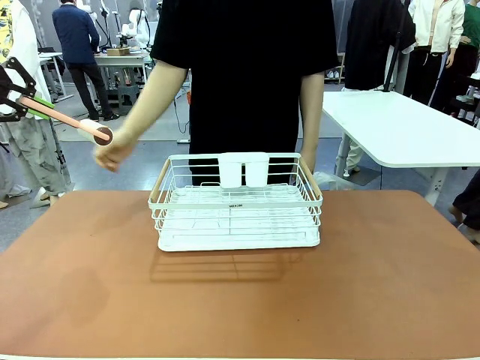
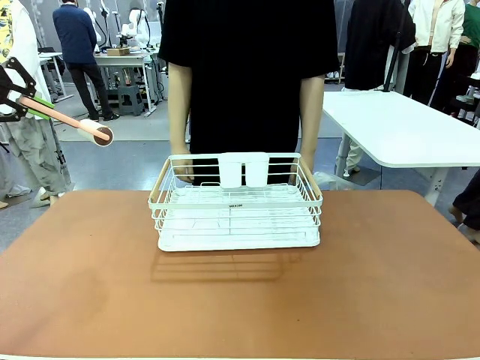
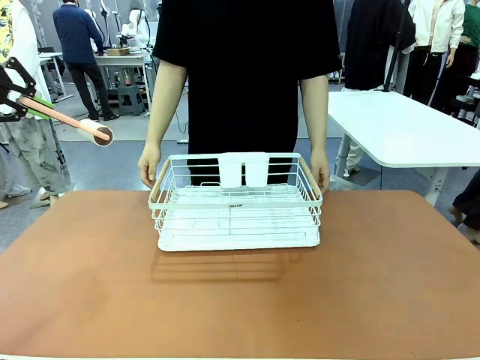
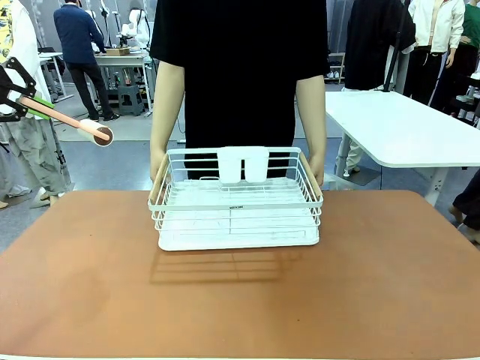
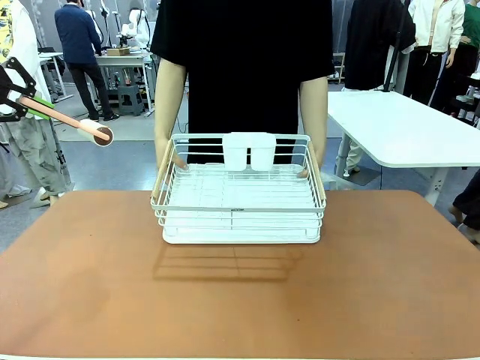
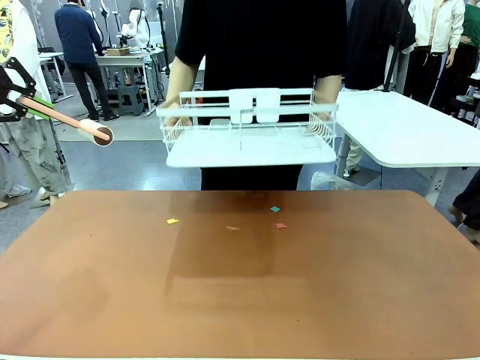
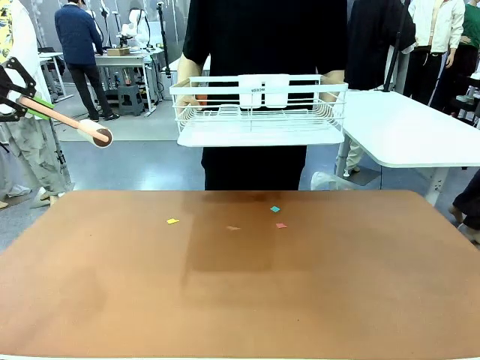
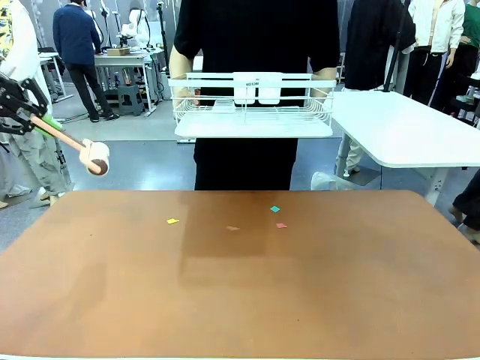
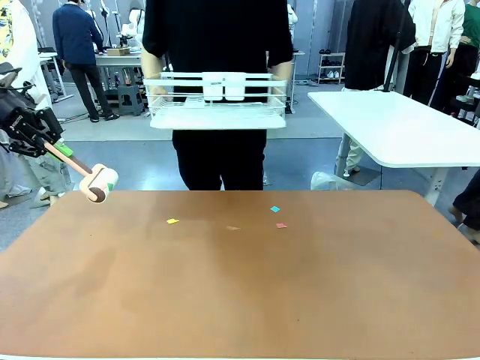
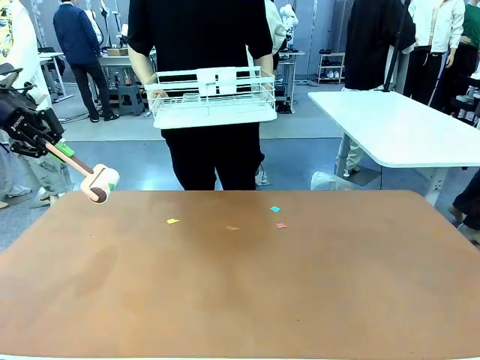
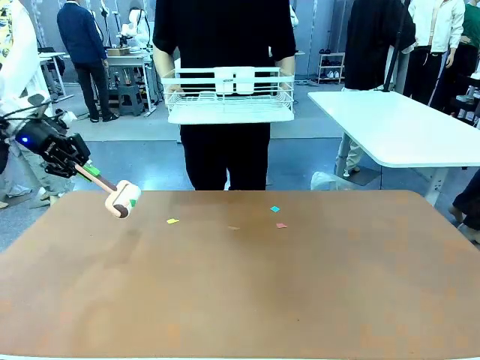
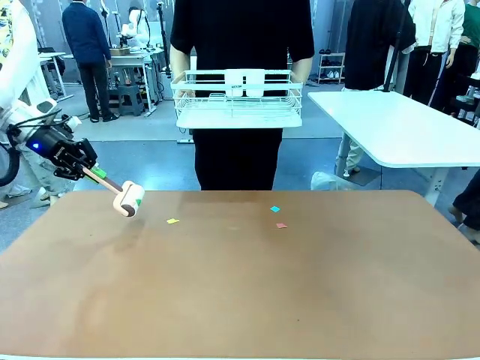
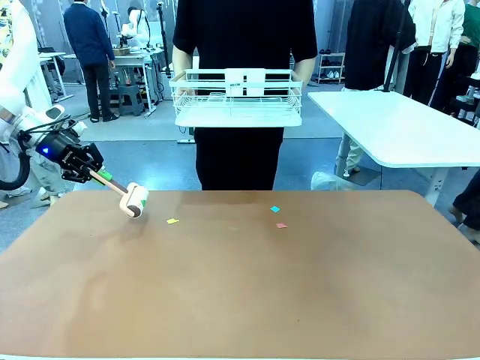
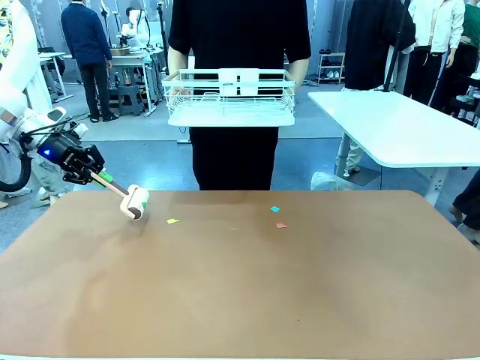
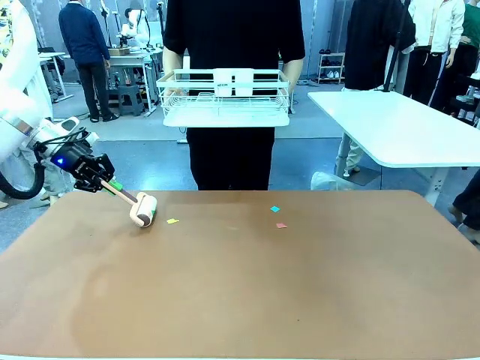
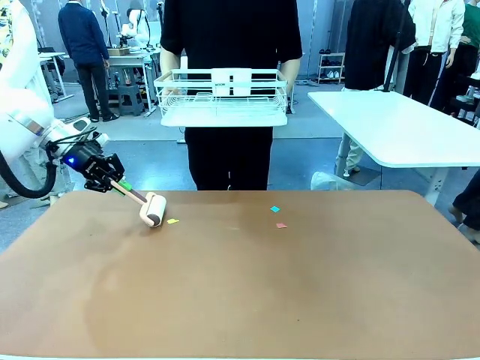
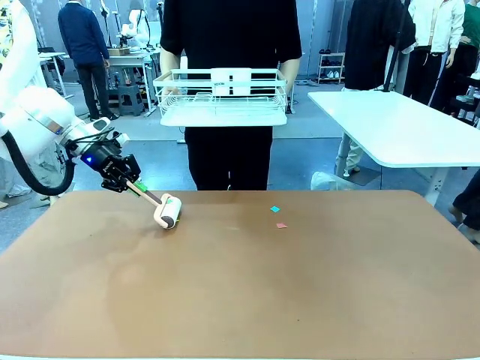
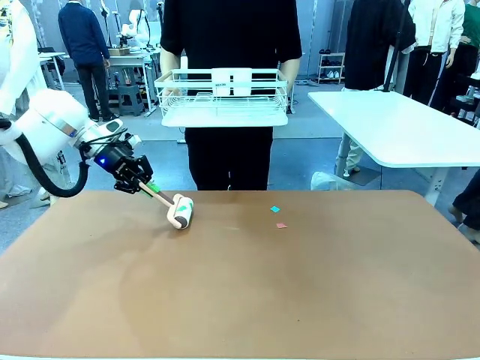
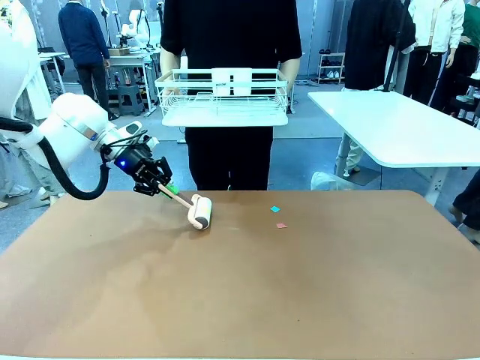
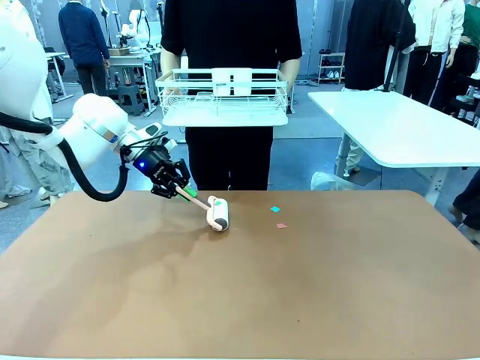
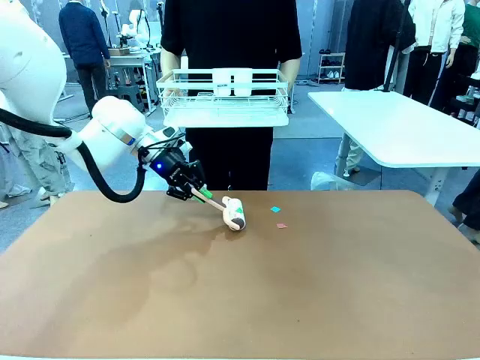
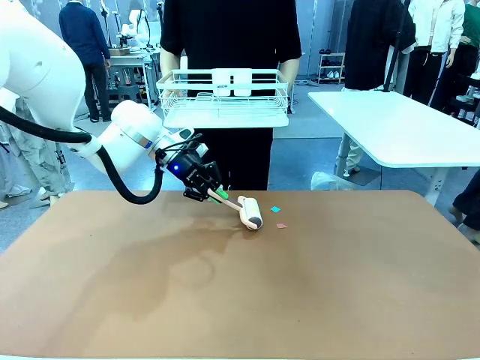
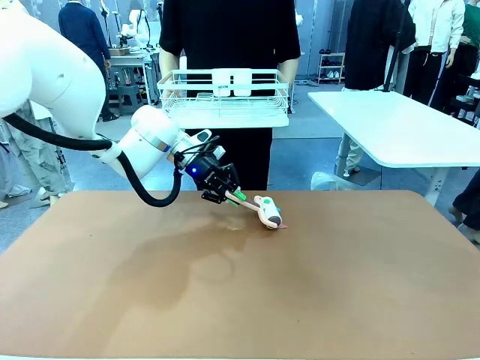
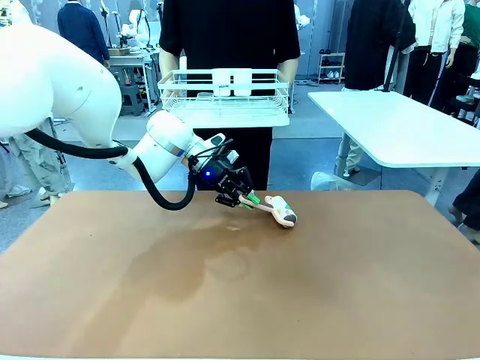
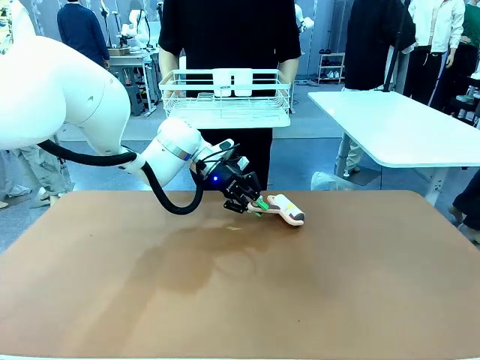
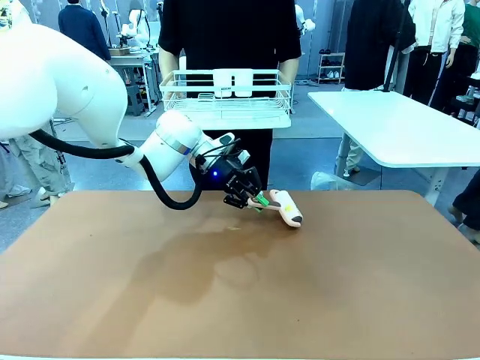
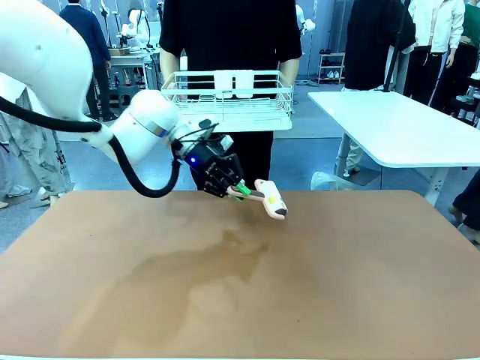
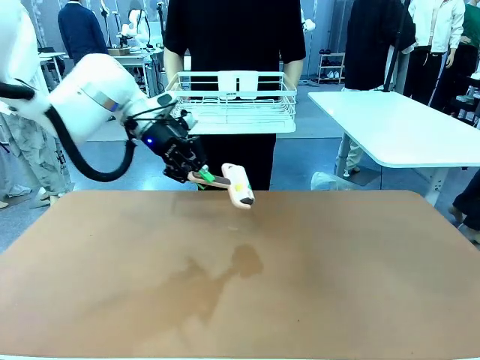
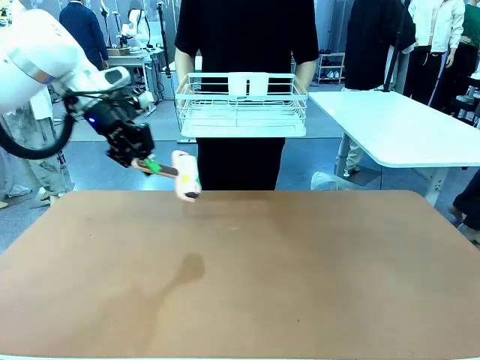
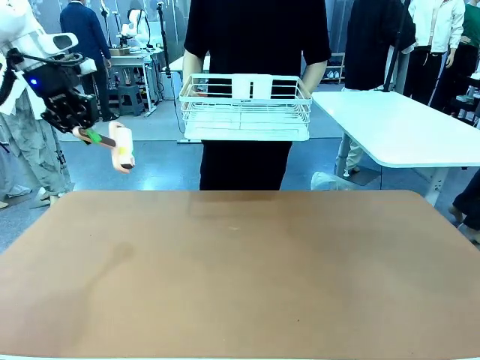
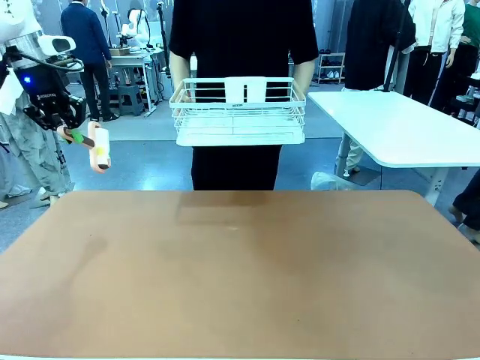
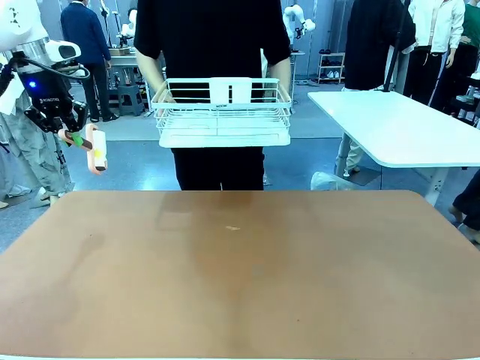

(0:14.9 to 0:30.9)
Task: Clean the table.
Robot: Clean the table with the Lint Roller when the human lifts the Dish drying rack.
Person: Place the Dish drying rack down when the robot finishes cleaning.

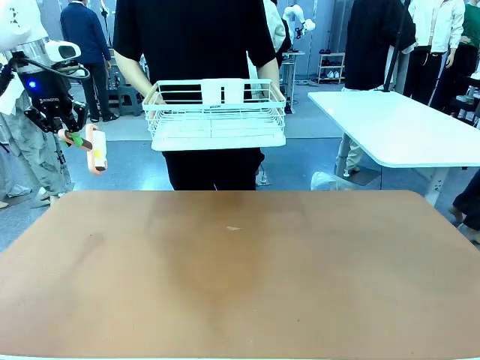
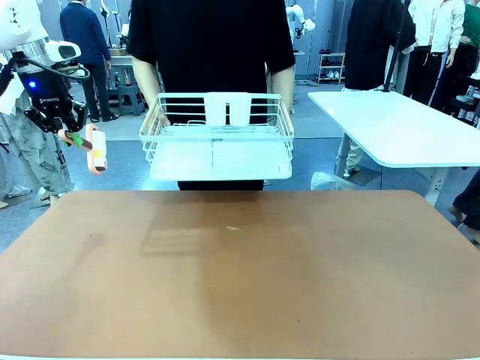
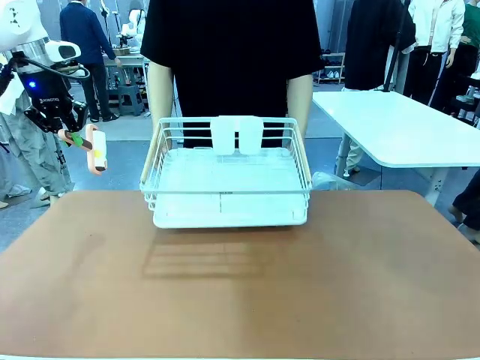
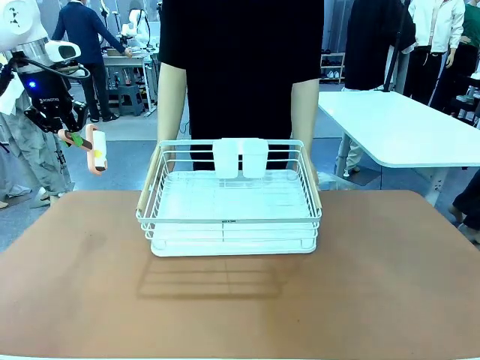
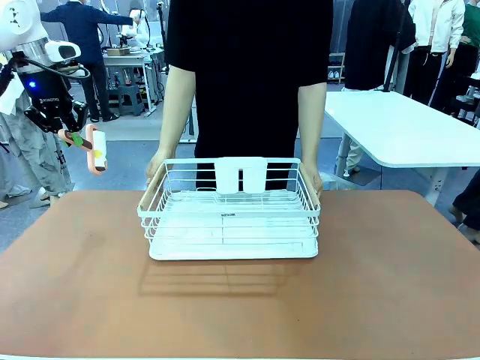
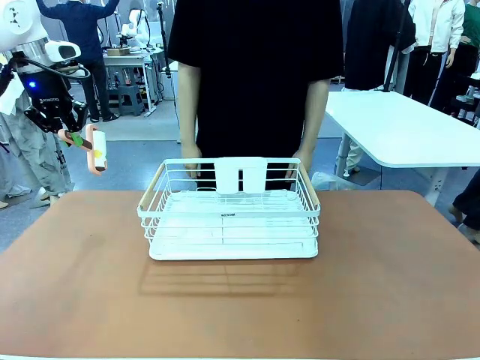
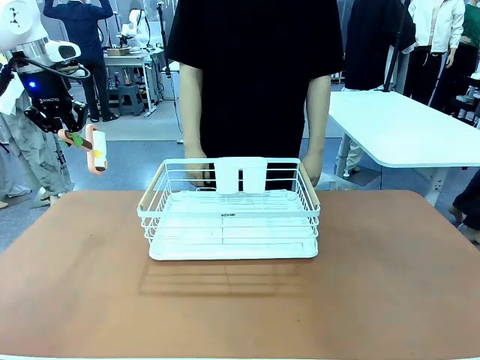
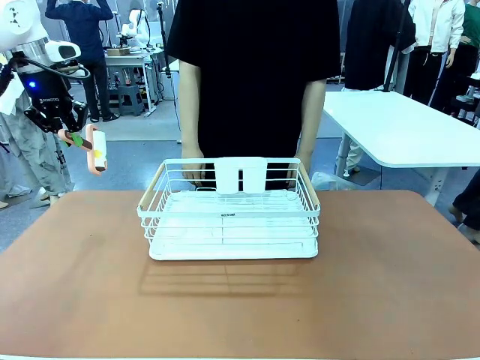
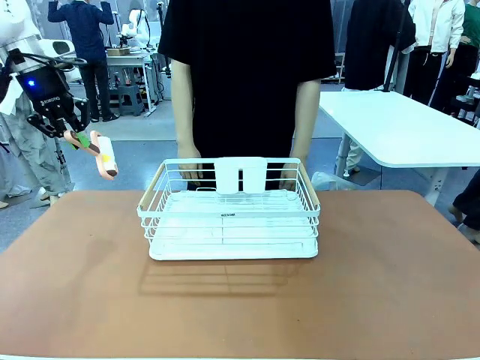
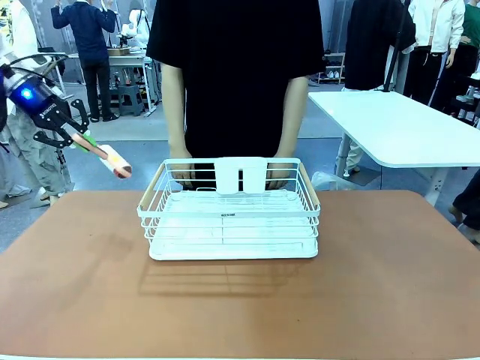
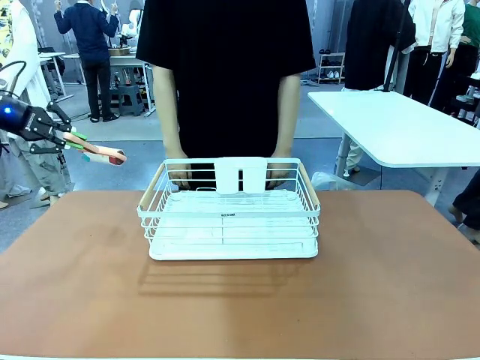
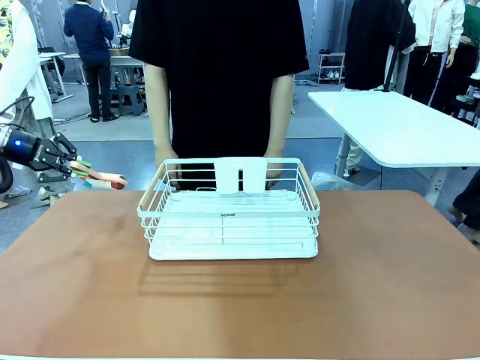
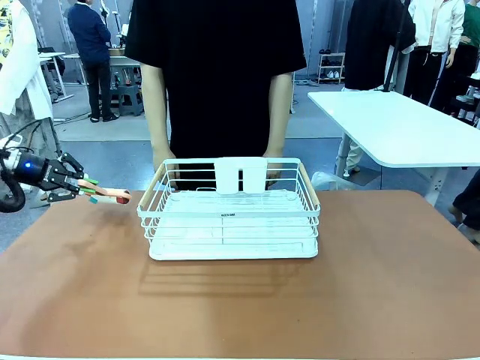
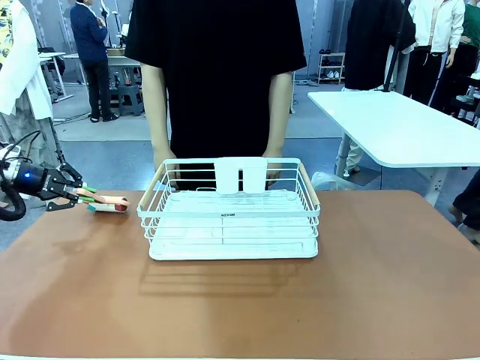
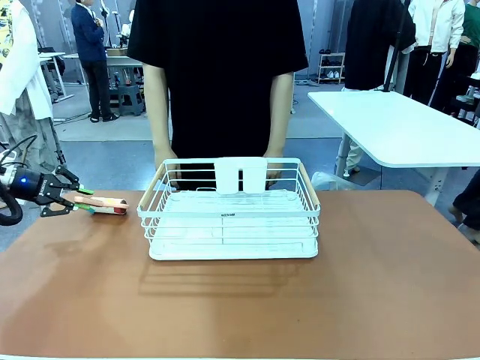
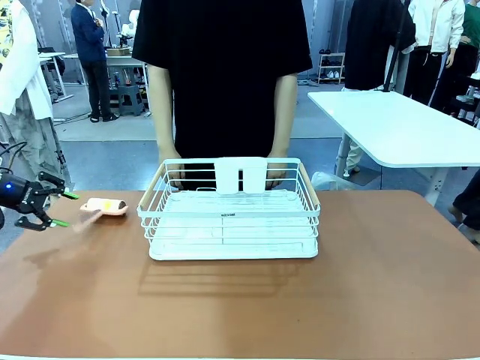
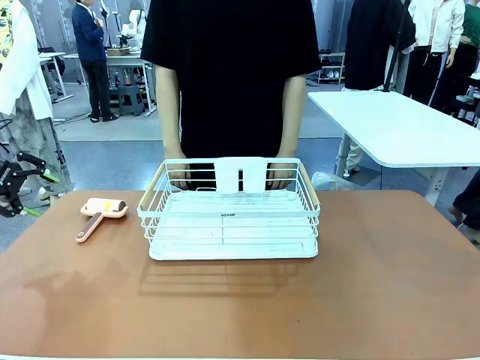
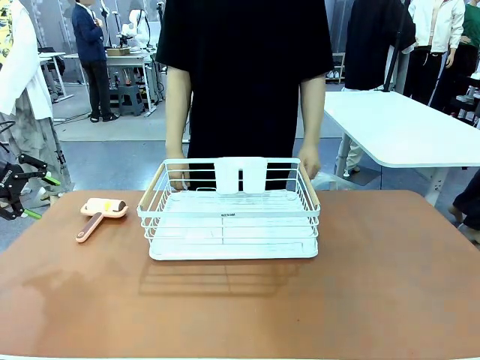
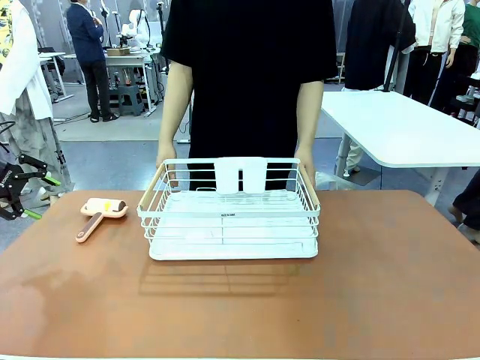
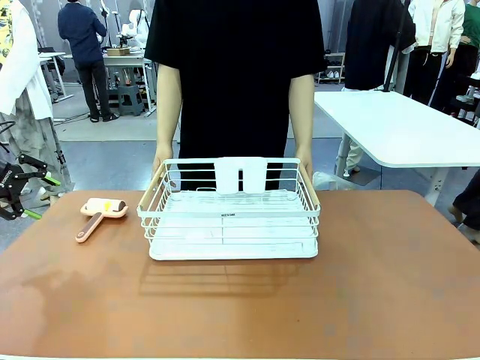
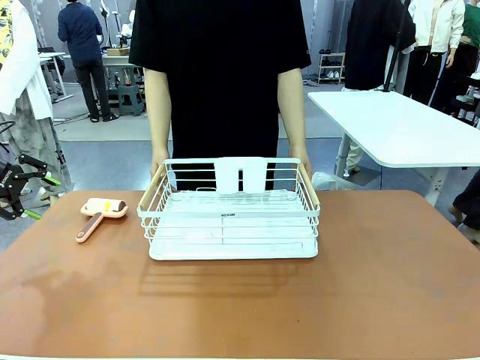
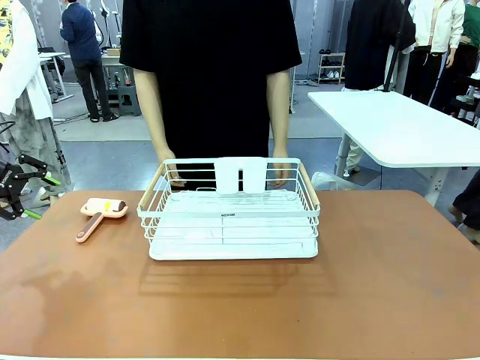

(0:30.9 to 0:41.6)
Robot: Place the Lint Roller down when the Dish drying rack is positioned in the middle of the table.
